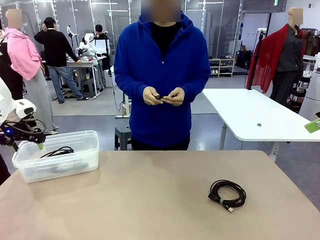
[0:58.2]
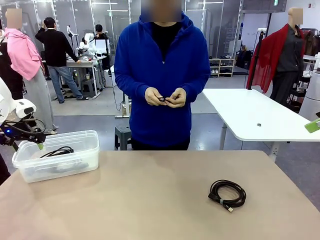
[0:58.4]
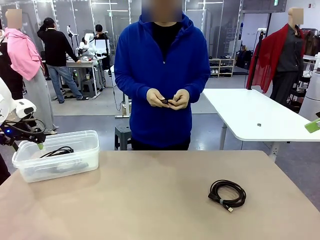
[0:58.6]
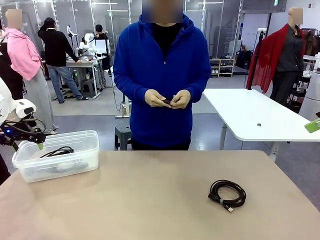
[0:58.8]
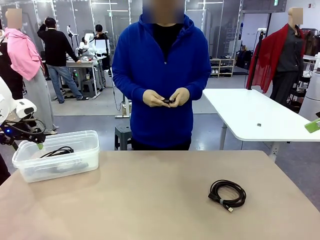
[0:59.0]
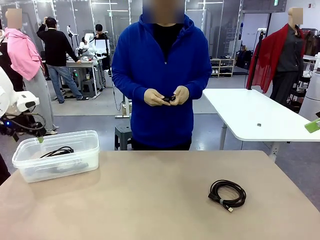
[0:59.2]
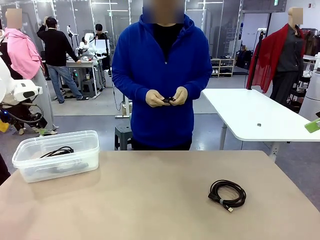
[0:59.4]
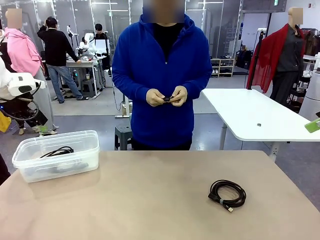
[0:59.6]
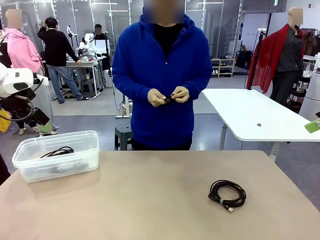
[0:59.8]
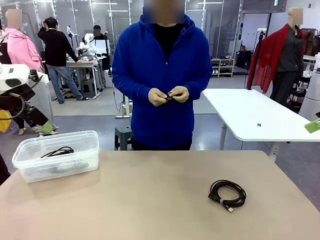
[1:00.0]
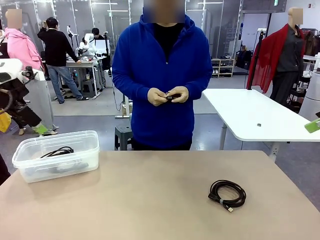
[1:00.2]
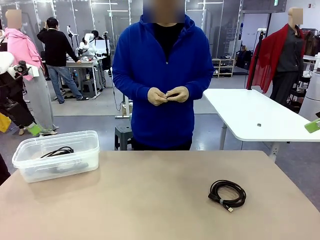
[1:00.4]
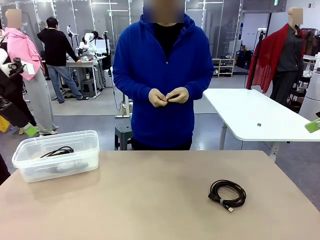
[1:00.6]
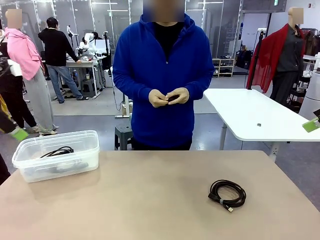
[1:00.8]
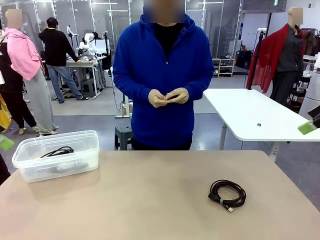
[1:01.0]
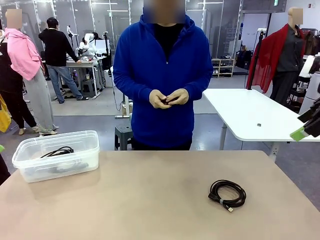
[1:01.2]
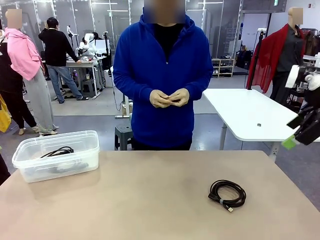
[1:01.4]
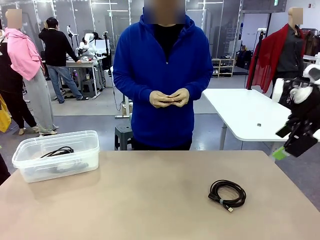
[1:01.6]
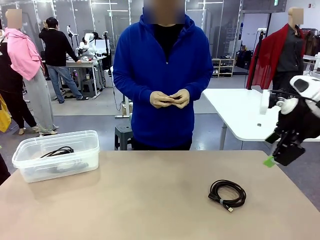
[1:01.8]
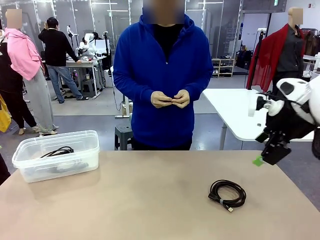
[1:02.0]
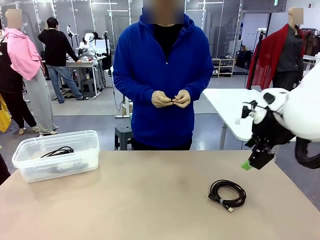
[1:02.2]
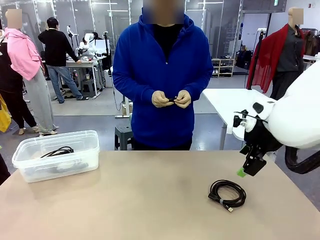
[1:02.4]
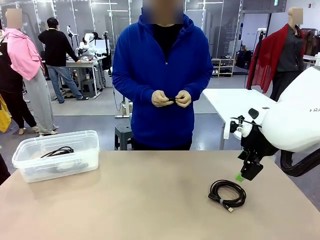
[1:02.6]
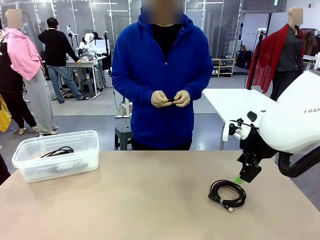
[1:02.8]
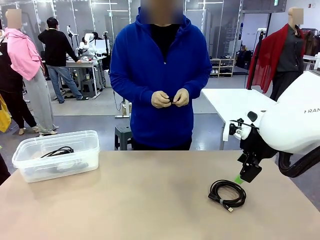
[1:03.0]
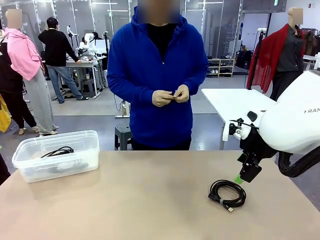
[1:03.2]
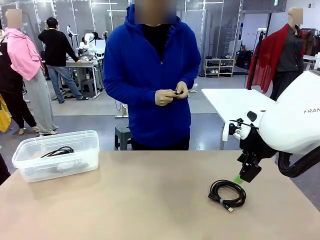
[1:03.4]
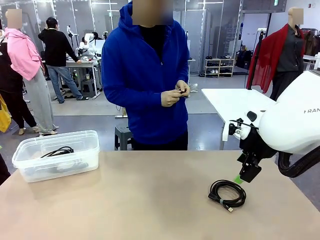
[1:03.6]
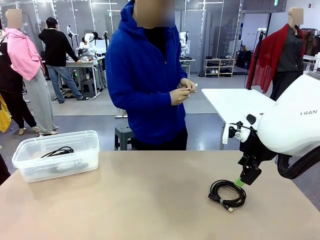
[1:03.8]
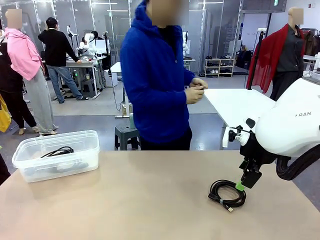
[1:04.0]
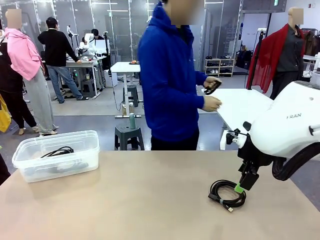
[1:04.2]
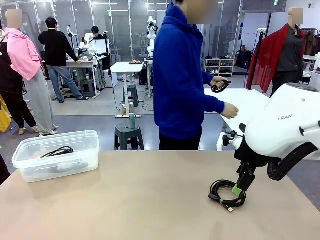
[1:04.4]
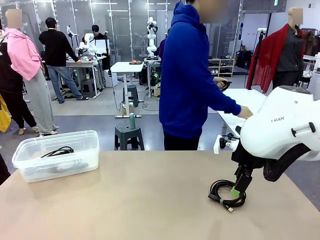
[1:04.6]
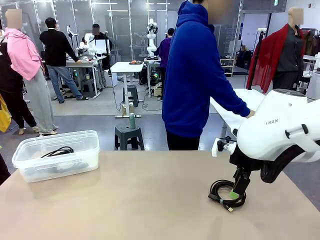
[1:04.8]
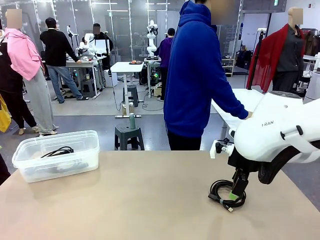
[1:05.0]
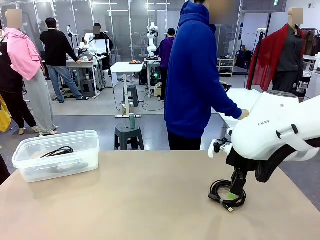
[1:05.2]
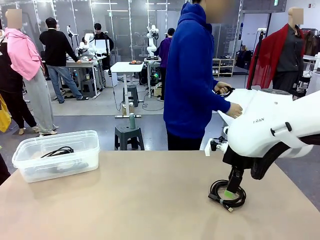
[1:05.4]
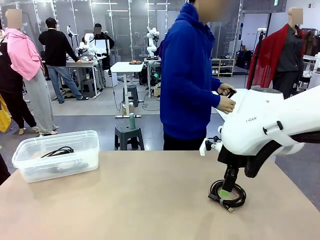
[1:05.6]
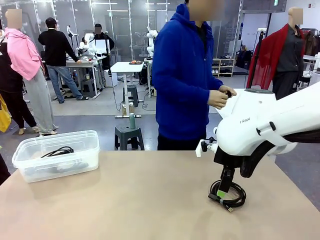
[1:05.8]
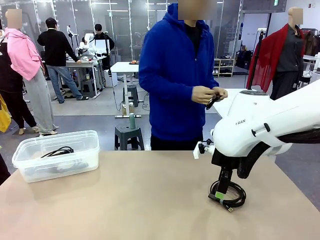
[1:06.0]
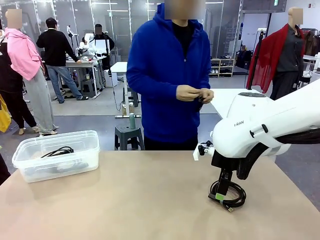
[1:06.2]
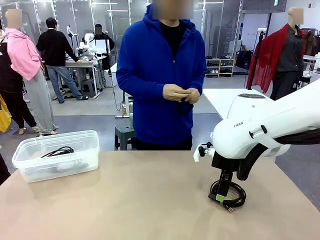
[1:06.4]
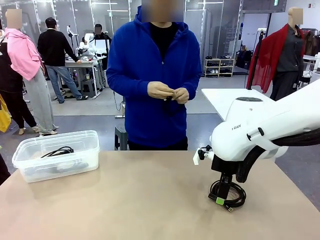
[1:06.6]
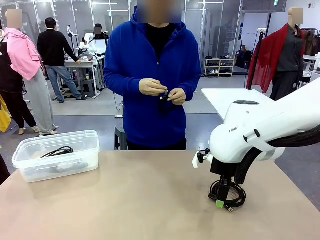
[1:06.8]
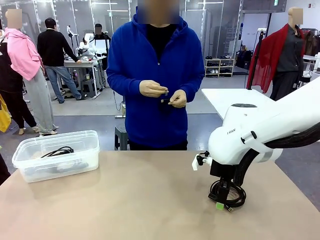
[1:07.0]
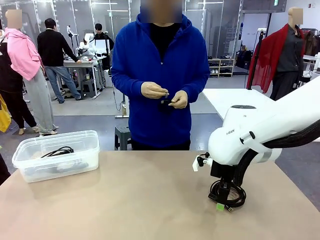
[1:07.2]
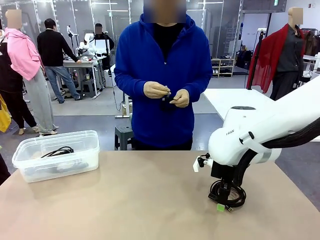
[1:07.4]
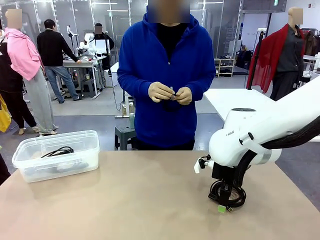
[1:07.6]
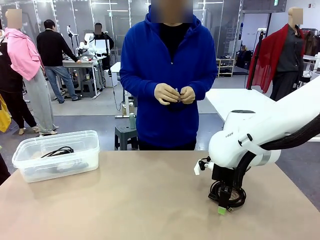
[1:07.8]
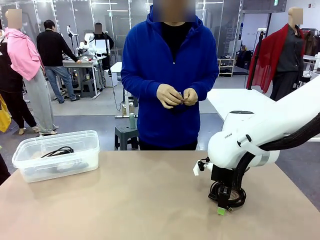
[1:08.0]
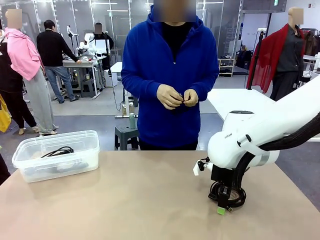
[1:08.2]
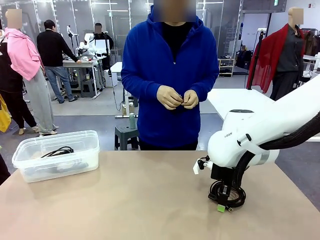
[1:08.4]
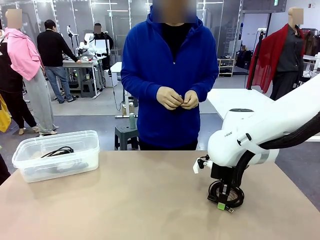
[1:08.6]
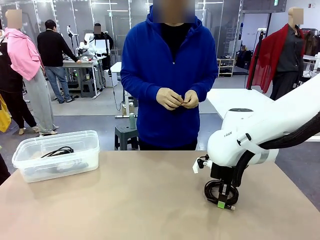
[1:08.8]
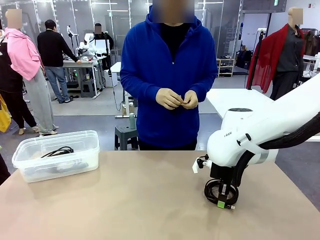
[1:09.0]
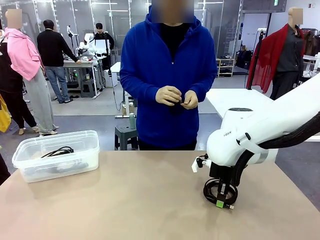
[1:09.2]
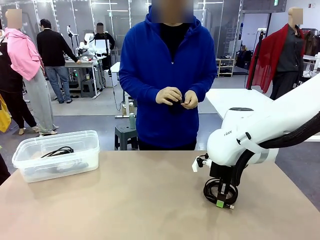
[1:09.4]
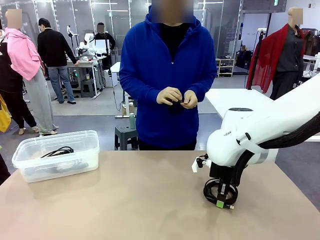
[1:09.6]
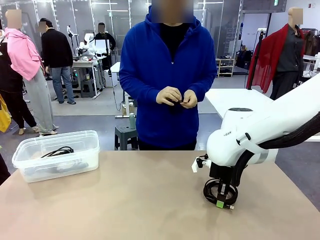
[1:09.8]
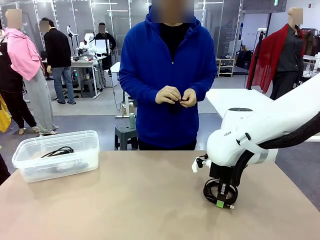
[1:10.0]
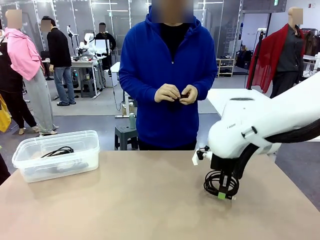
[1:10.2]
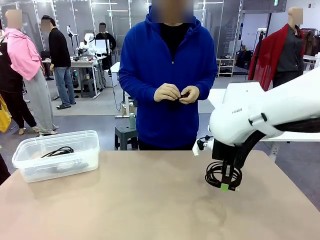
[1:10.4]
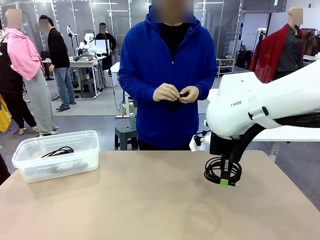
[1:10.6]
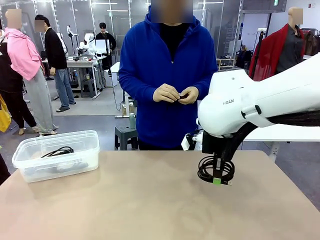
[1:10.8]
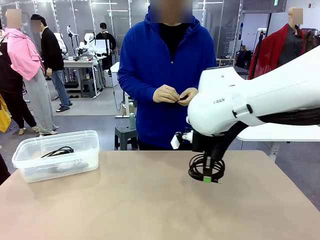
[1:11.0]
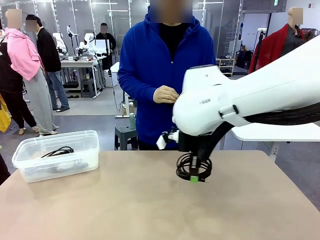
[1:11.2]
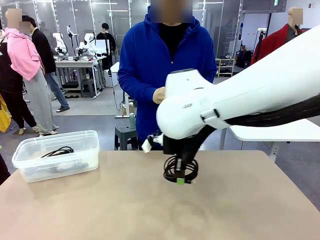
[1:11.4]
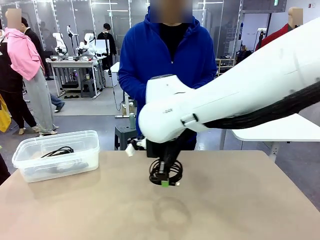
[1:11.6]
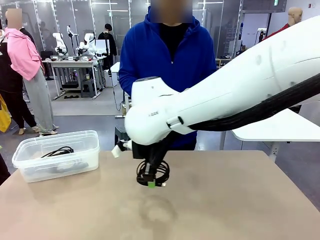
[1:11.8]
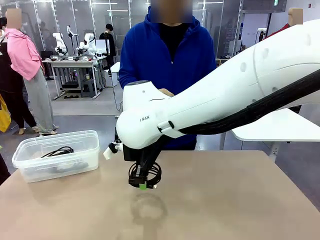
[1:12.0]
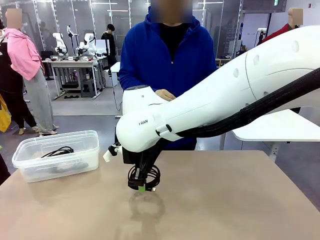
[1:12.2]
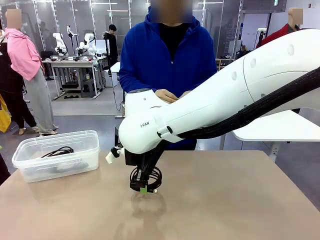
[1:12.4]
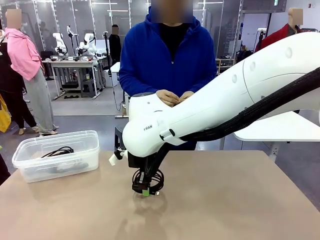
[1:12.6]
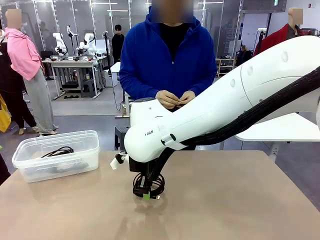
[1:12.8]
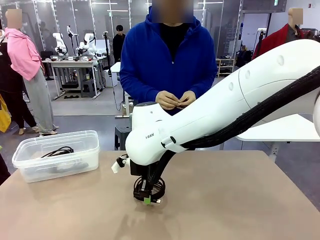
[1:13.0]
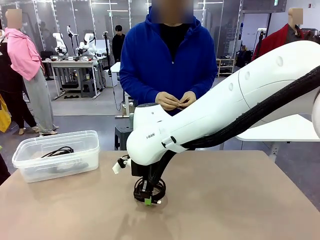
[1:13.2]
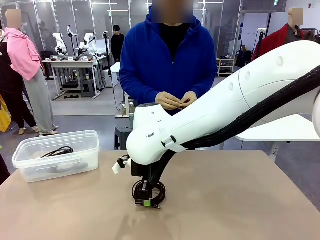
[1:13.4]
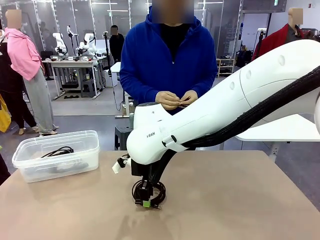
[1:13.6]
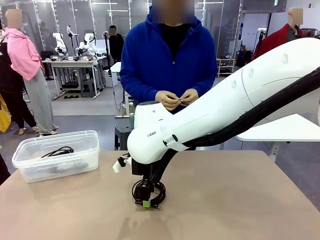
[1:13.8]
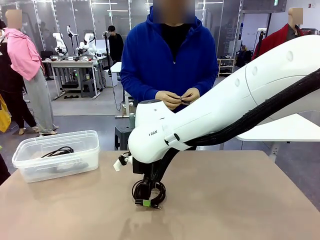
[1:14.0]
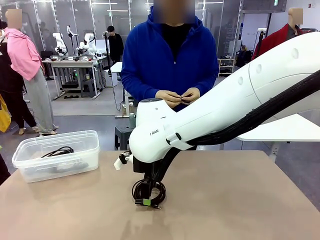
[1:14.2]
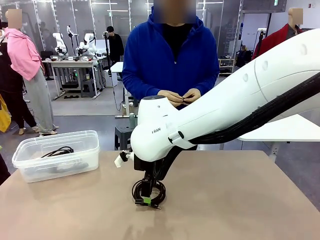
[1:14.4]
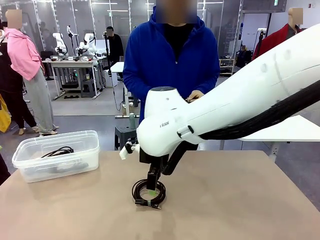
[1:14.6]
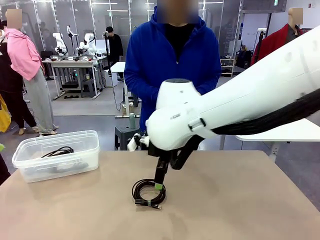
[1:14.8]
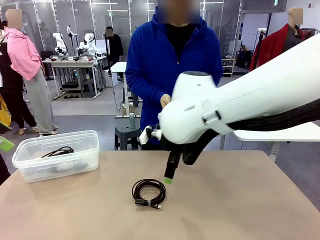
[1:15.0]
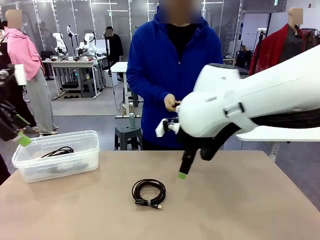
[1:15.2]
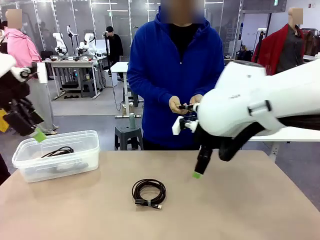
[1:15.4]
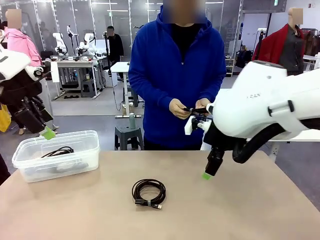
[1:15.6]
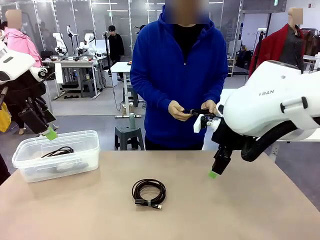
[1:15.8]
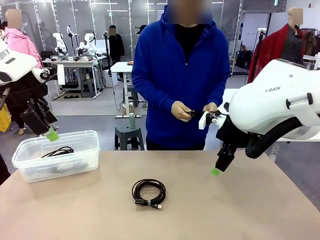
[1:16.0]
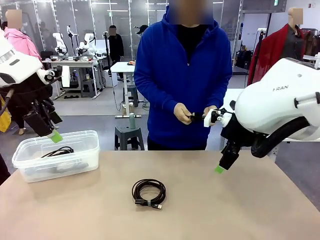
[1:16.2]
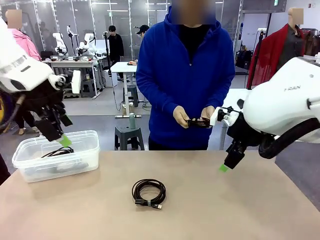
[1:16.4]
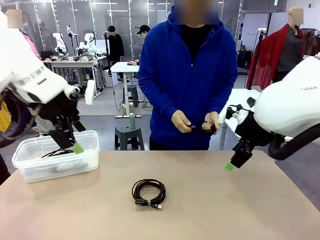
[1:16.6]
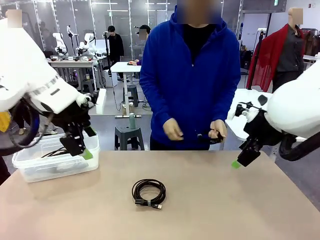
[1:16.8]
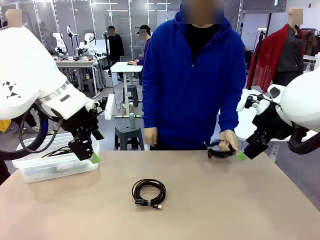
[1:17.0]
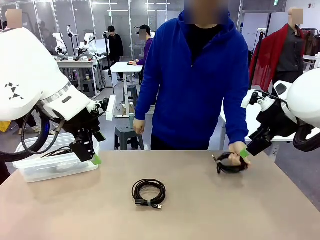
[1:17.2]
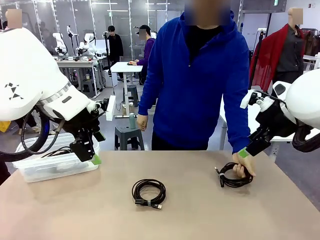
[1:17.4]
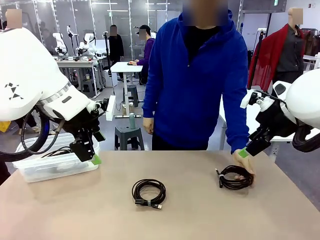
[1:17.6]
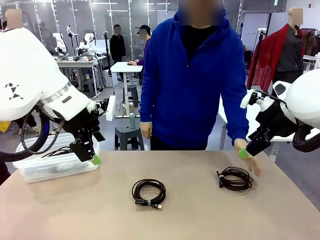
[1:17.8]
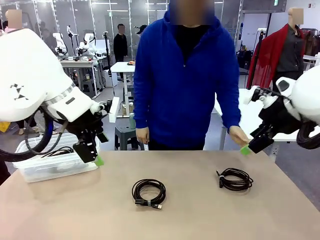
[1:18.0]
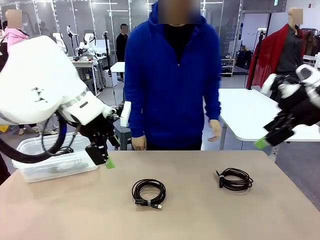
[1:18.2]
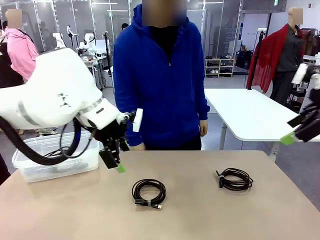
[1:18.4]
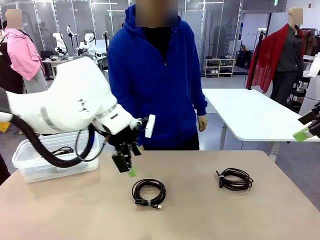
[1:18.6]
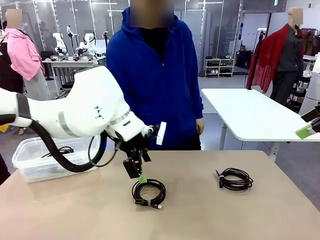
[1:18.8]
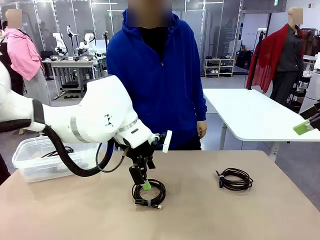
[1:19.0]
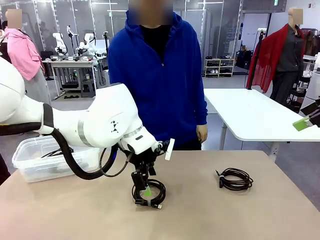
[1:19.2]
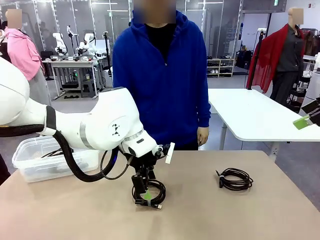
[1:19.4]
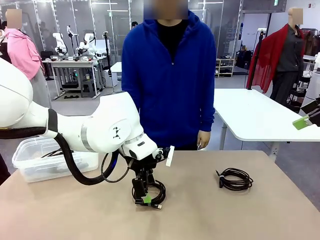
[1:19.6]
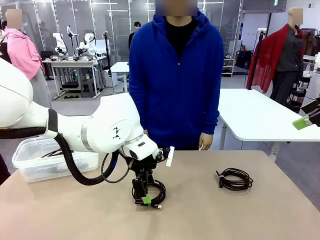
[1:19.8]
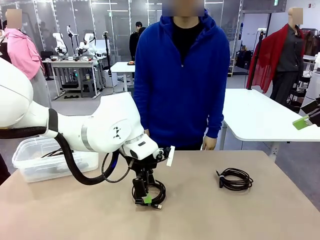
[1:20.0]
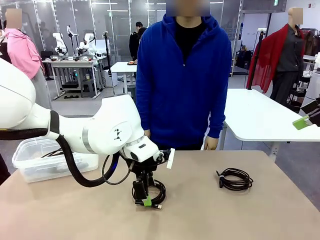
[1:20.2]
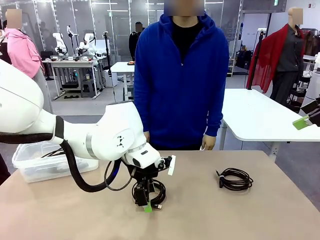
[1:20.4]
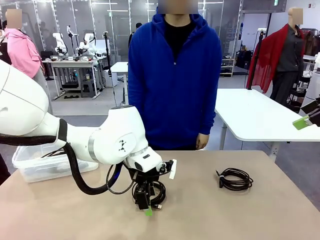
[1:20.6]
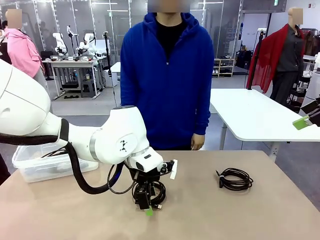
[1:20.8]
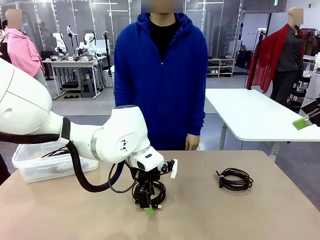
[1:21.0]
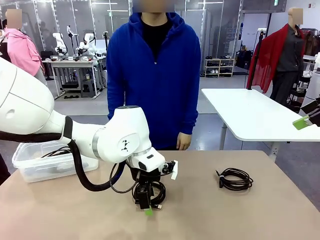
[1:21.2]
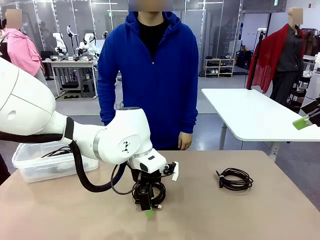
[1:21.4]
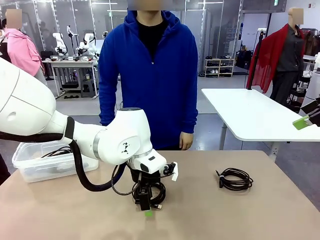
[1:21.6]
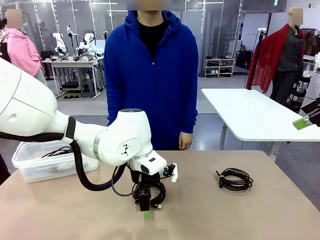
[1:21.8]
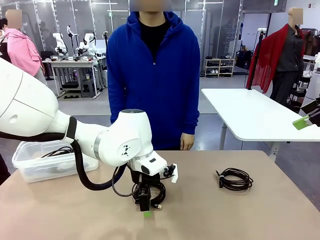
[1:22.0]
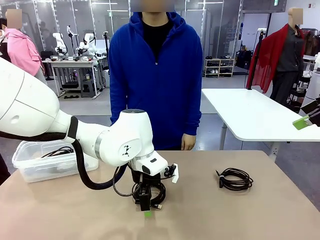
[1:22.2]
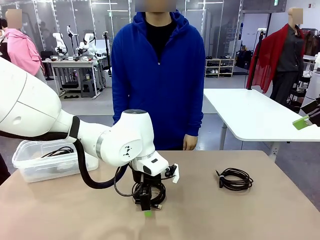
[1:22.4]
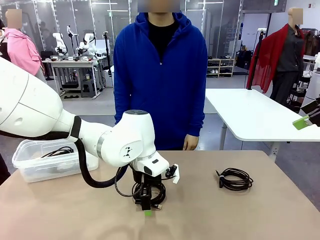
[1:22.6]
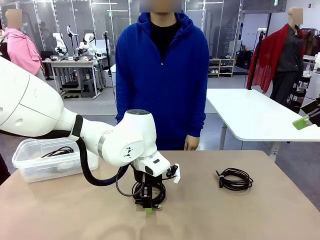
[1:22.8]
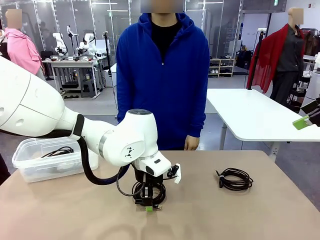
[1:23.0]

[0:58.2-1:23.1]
Task: Organize and store the cables.
Robot: Place the USB Extension Cable into the Organizing box.
